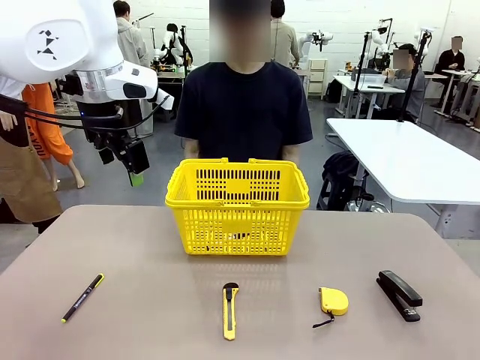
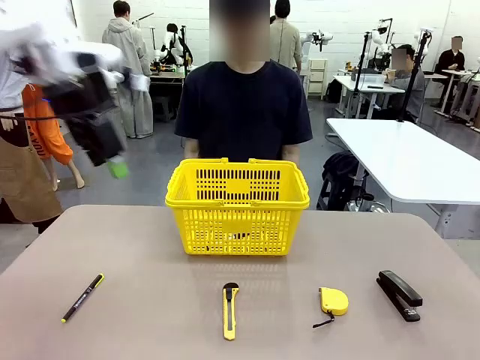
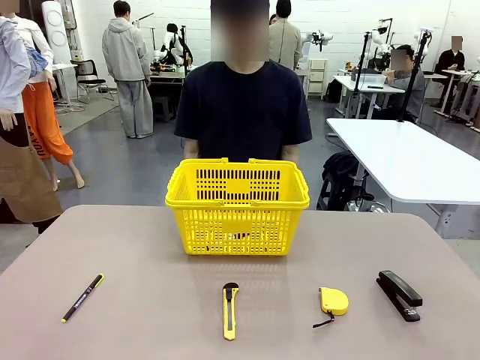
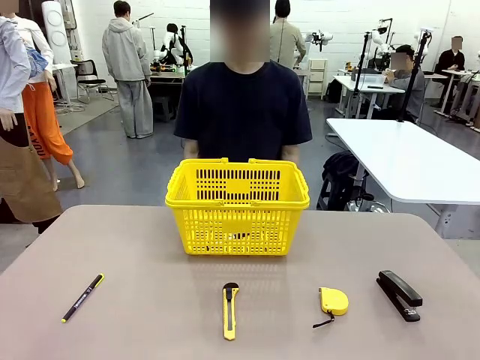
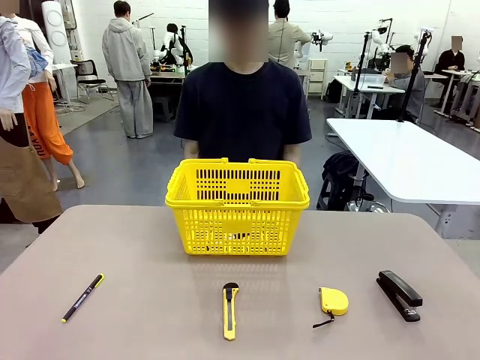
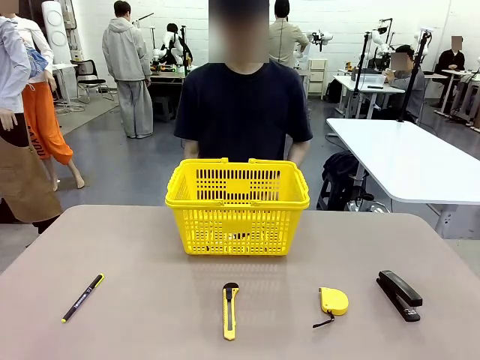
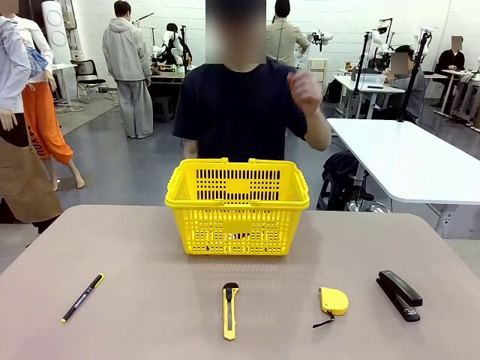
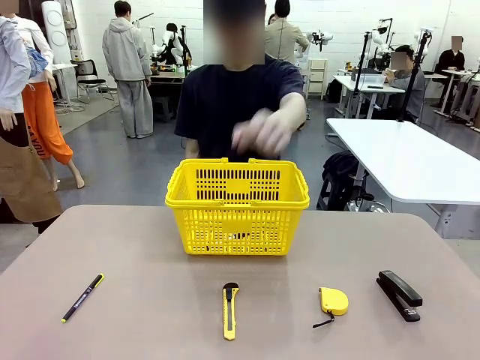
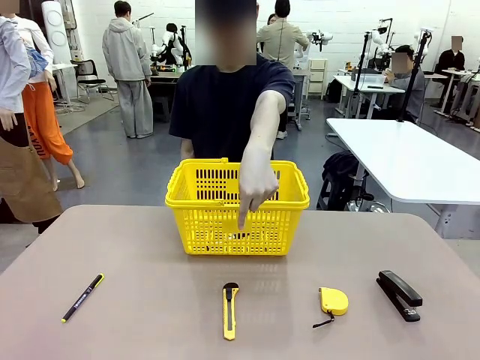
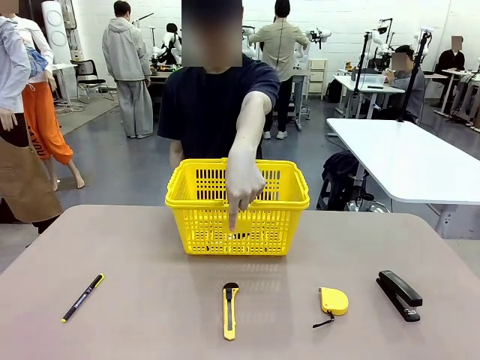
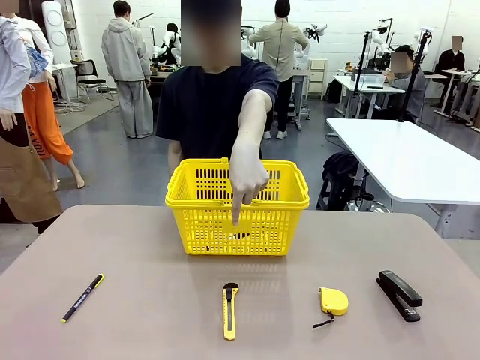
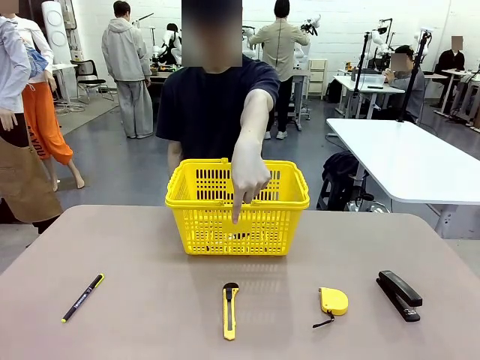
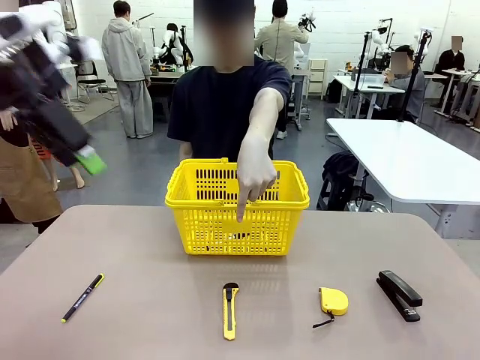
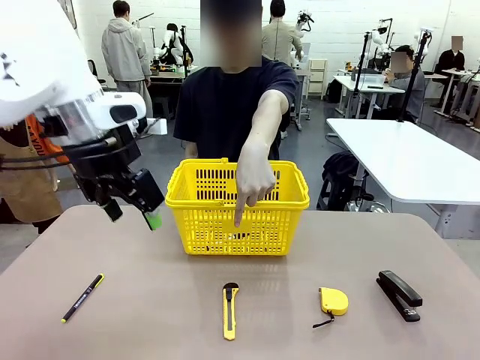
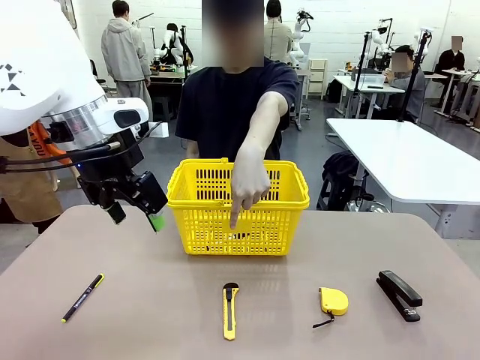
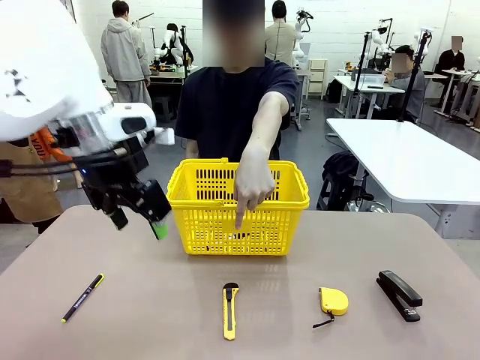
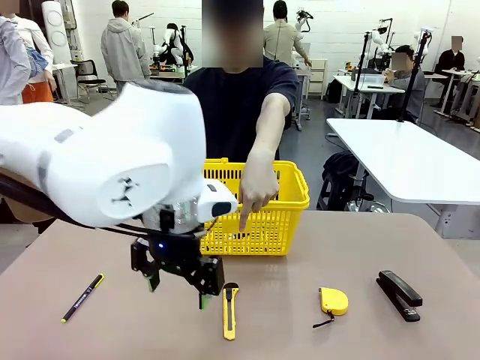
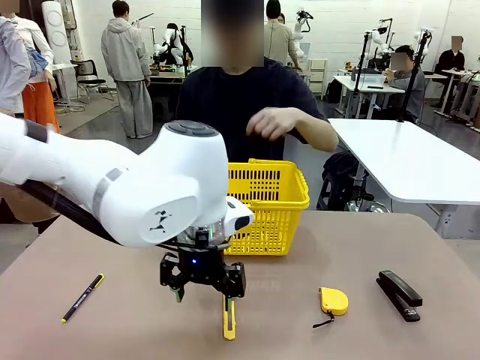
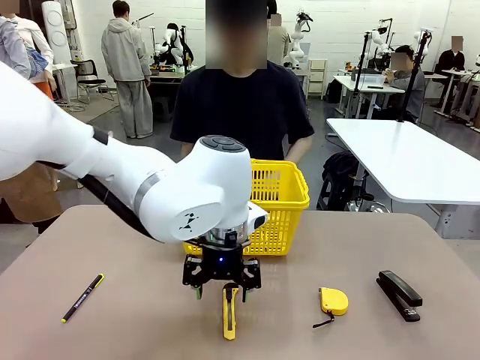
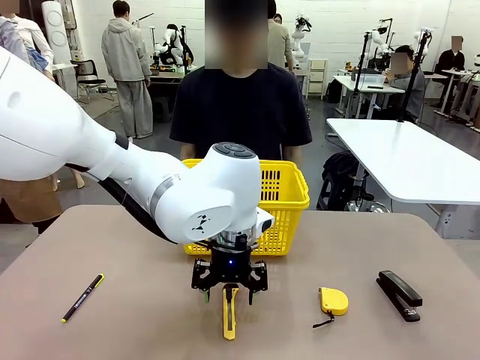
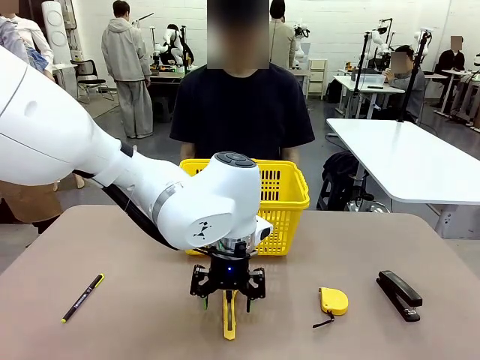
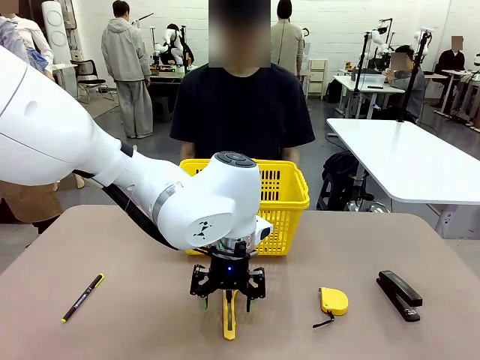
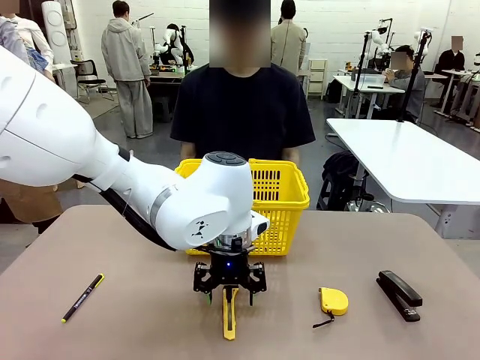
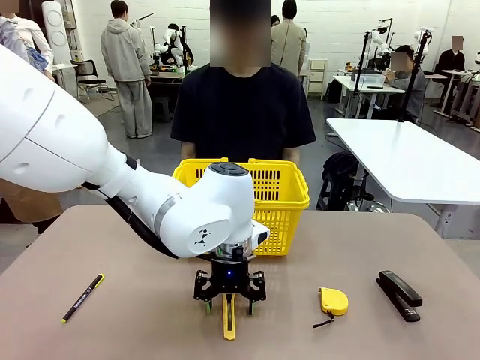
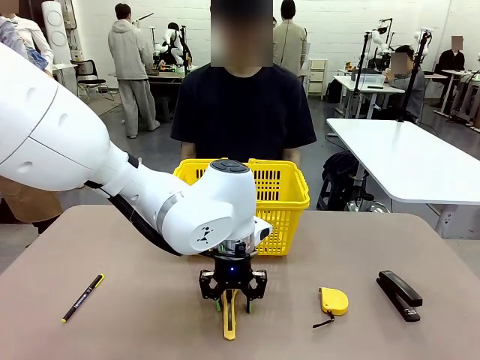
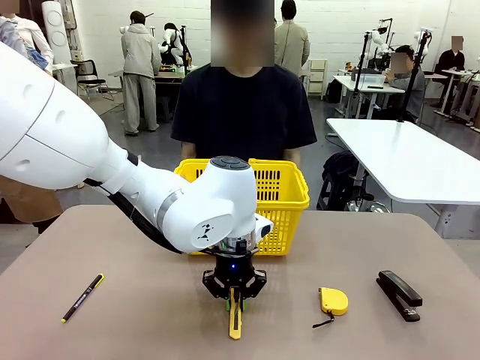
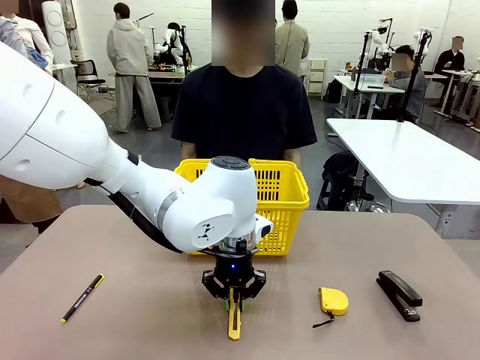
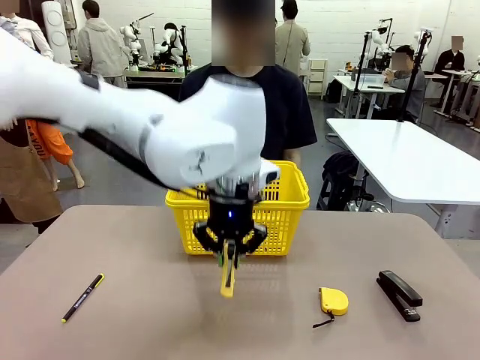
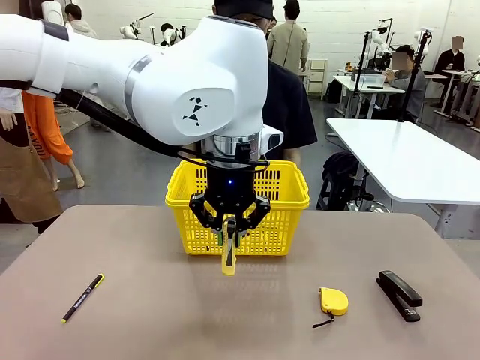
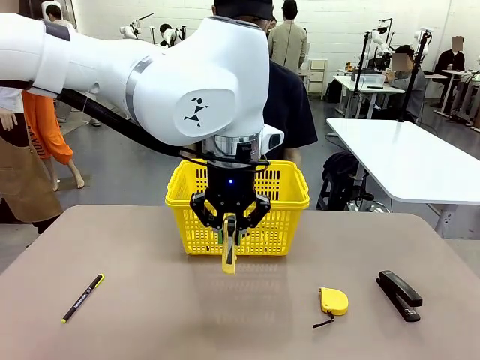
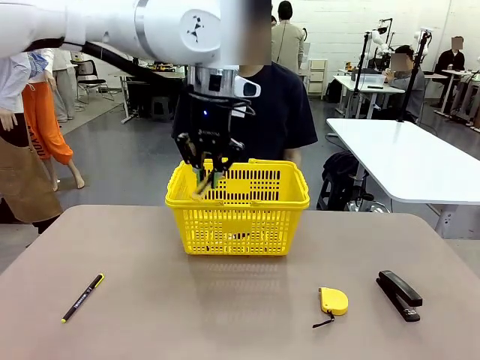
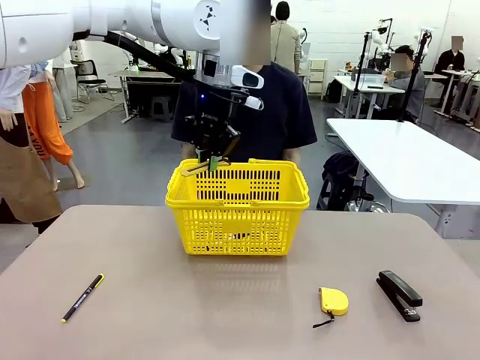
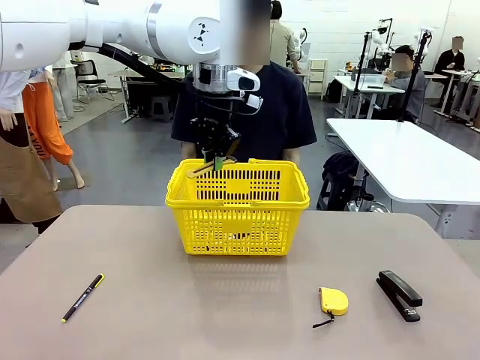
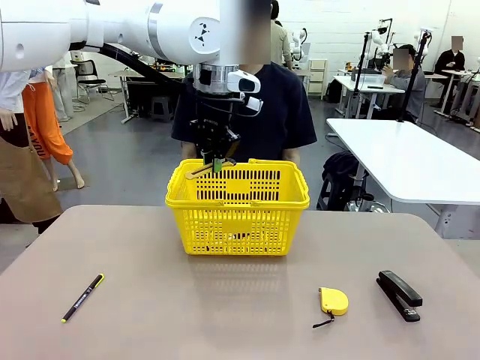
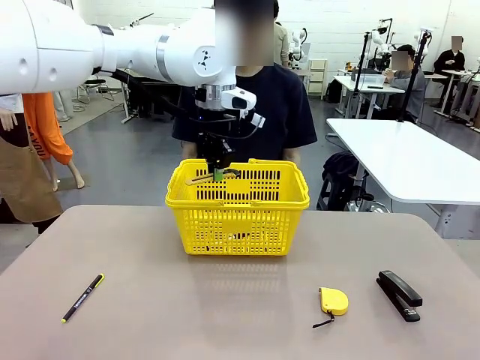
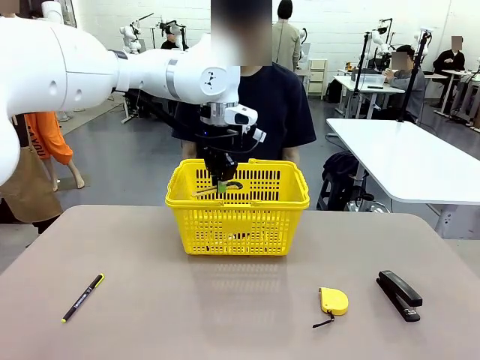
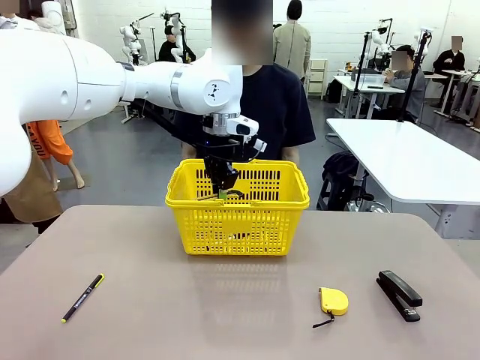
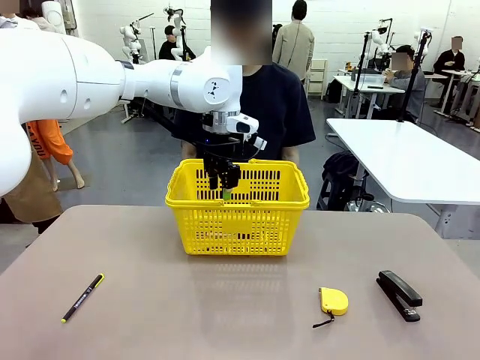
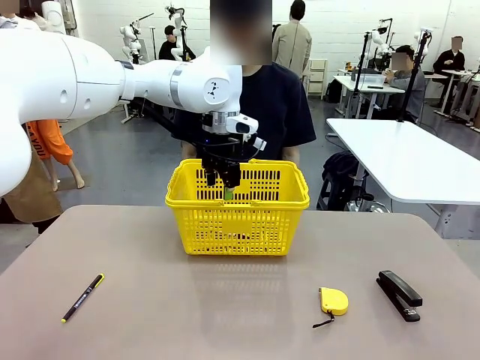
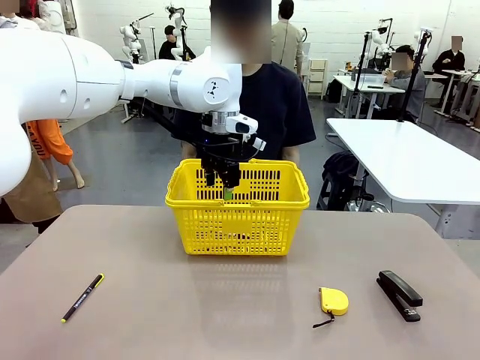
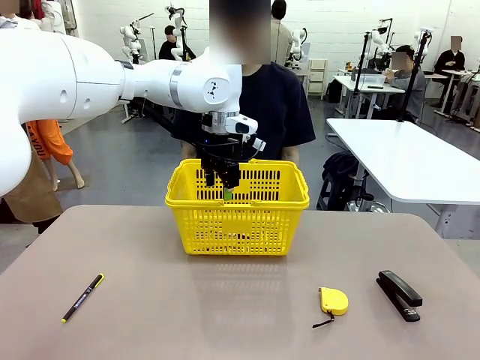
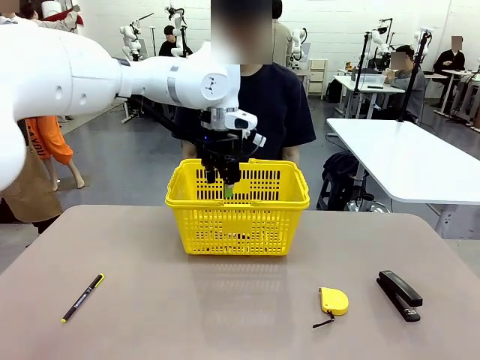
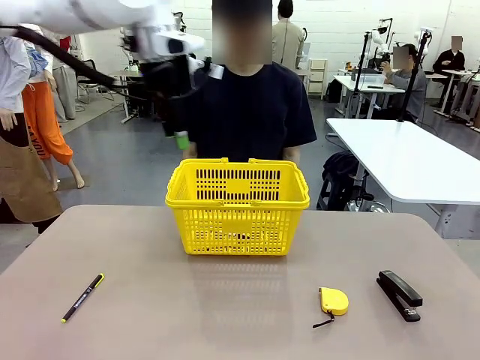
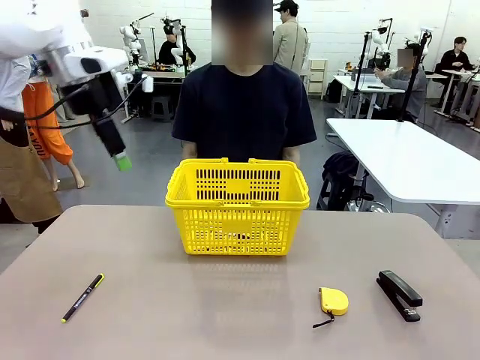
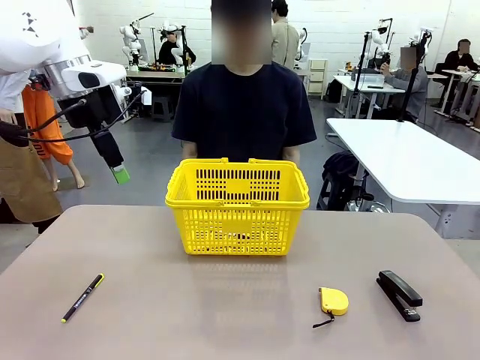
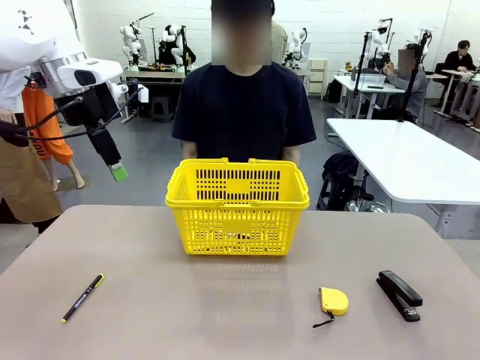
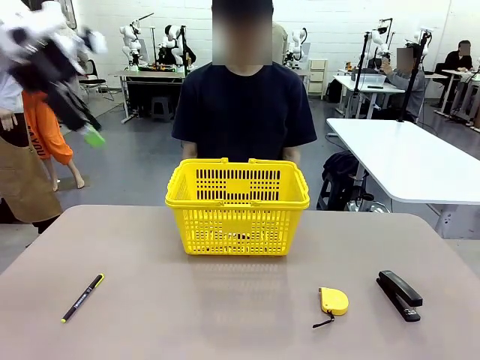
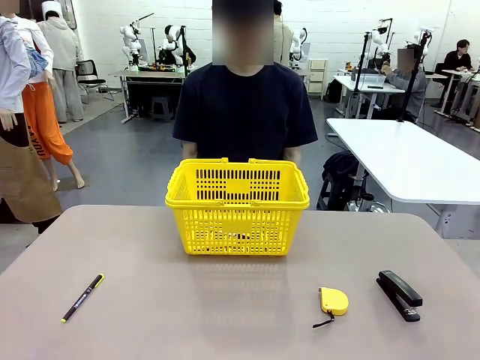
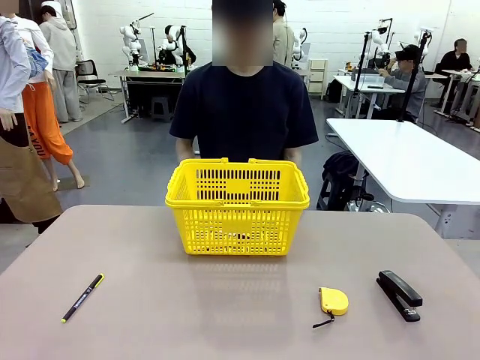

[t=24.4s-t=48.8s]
Task: Place the items the person wants into the basket.
Robot: Pick up the item the person points to and place it in the Market Basket.

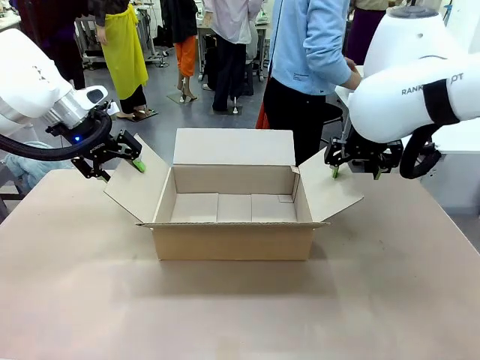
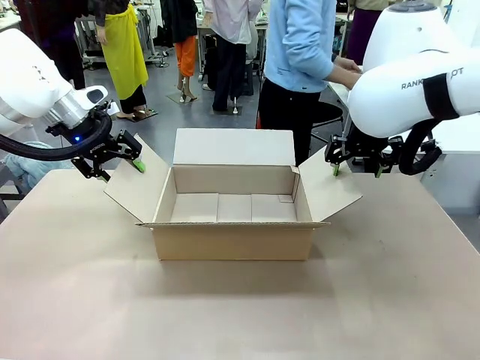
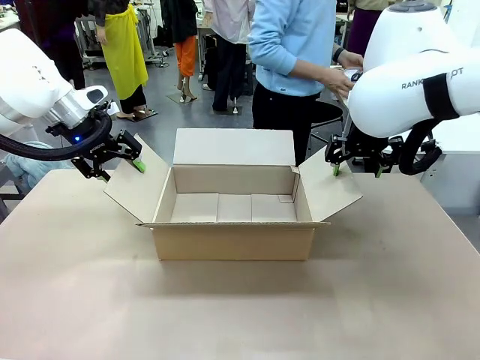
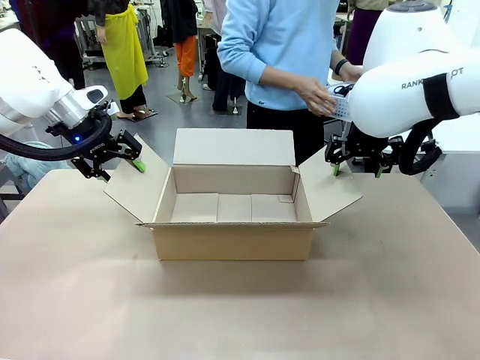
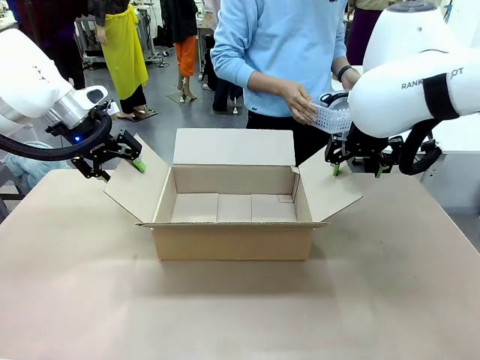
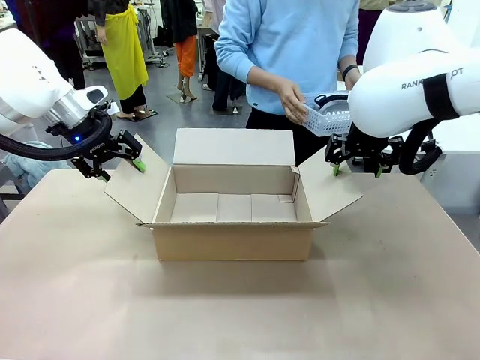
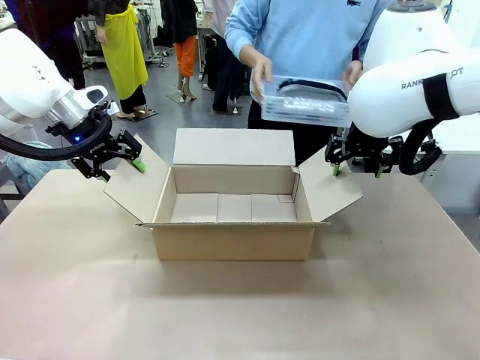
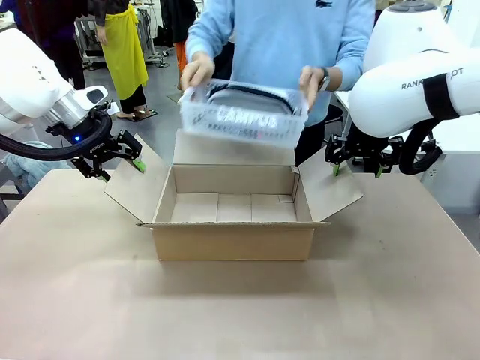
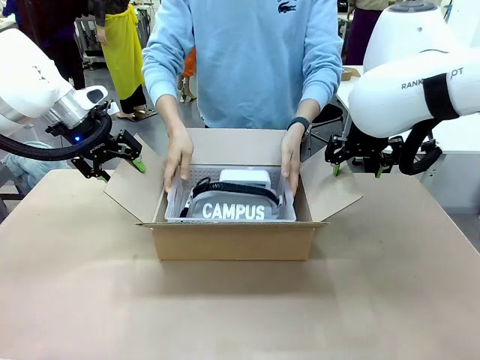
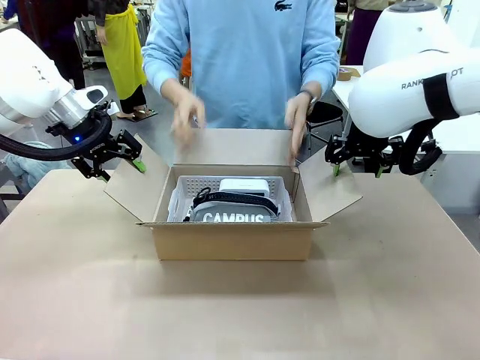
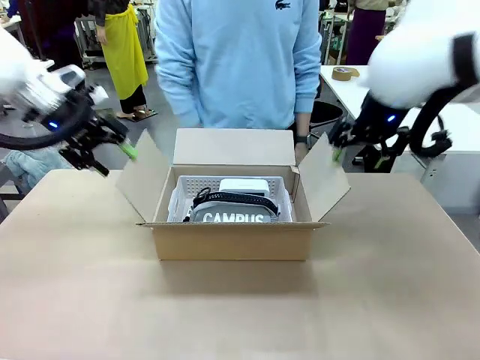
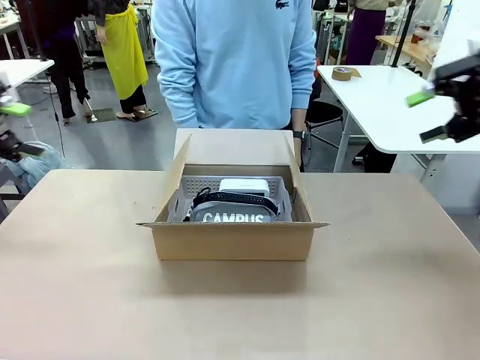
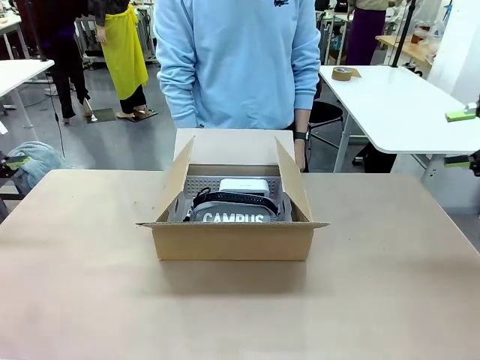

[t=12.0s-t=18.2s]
Task: Pack the gift set into the box.
Robot: Lift both hands away from the flaps of the Package Box.
Person: The human picks up the organizing basket and places the organizing basket into the package box on the robot table.
